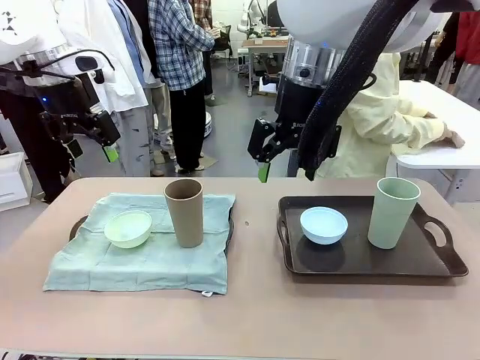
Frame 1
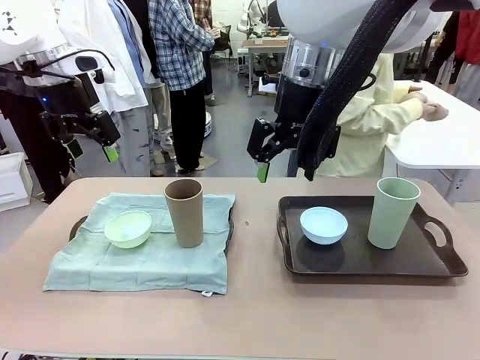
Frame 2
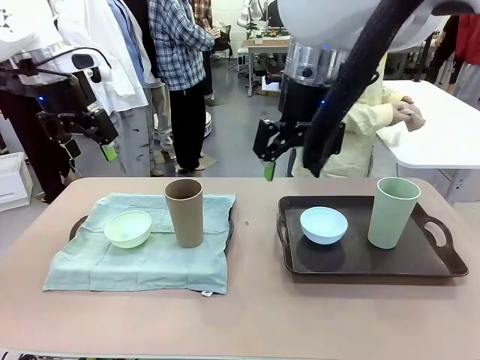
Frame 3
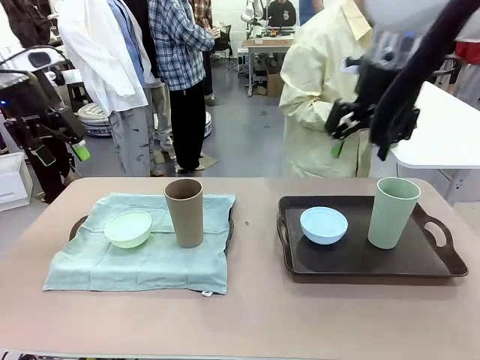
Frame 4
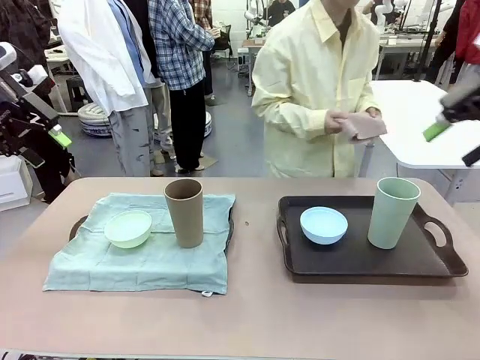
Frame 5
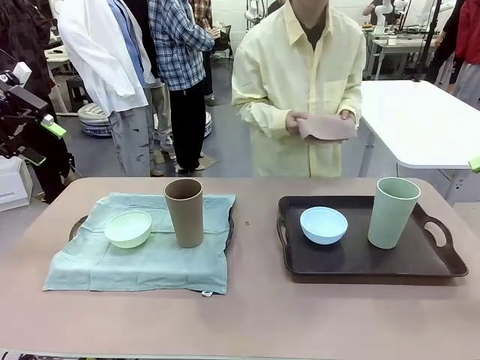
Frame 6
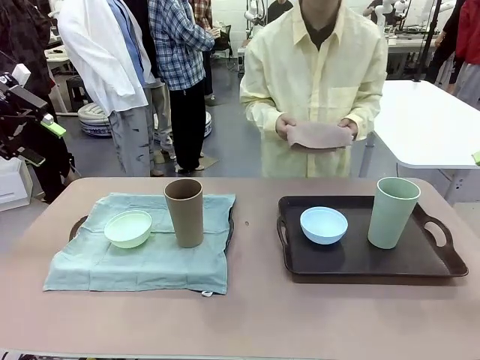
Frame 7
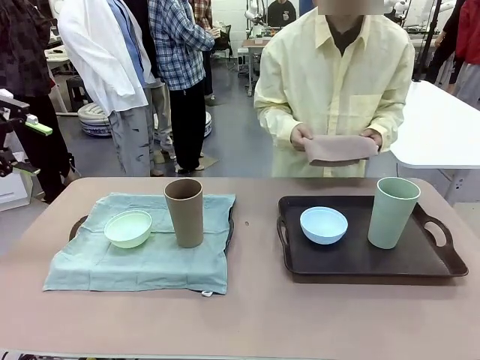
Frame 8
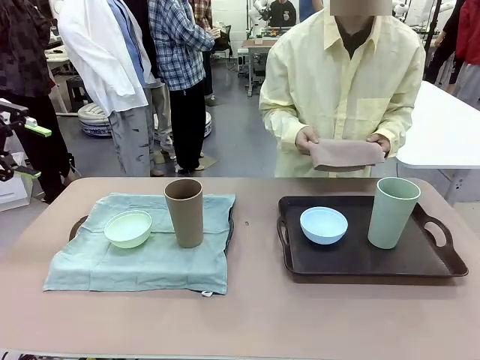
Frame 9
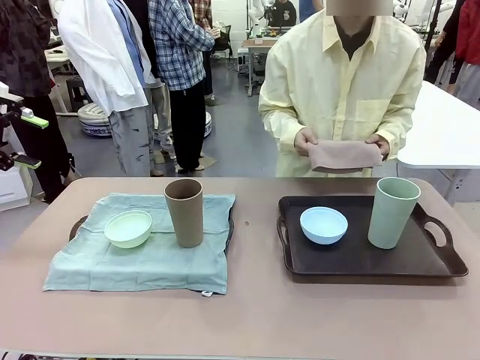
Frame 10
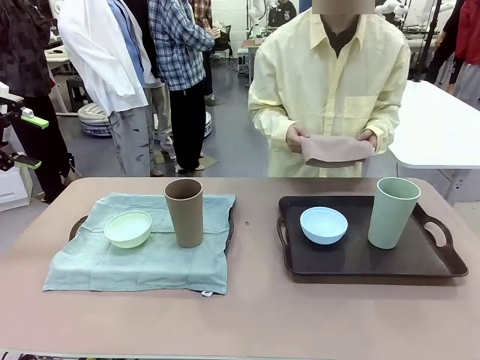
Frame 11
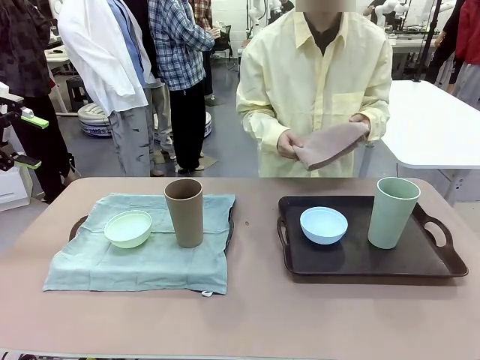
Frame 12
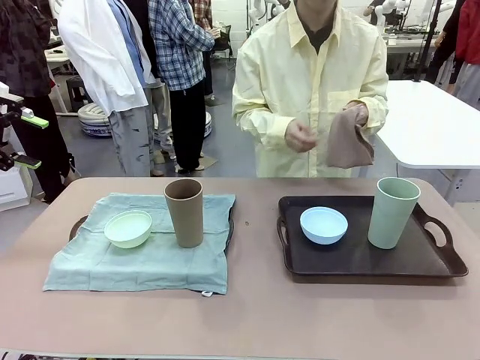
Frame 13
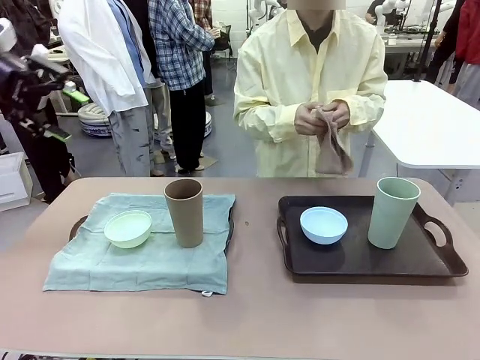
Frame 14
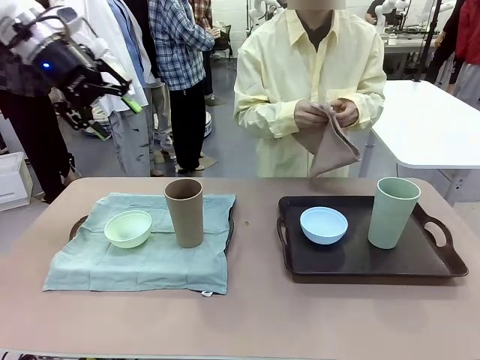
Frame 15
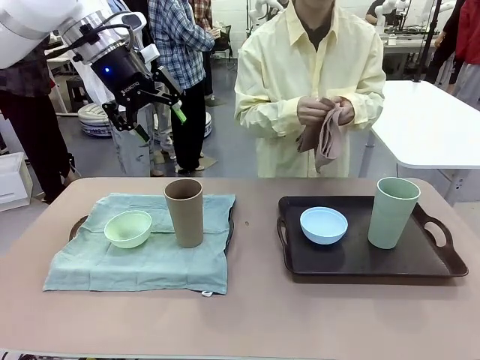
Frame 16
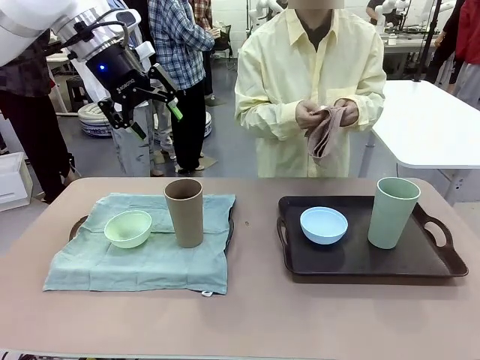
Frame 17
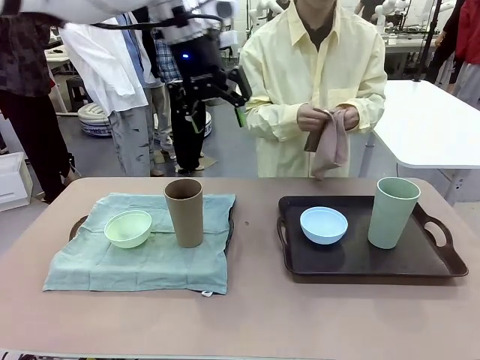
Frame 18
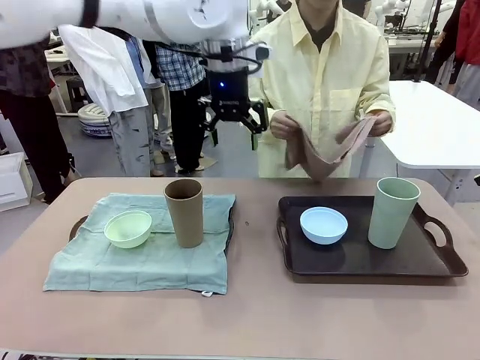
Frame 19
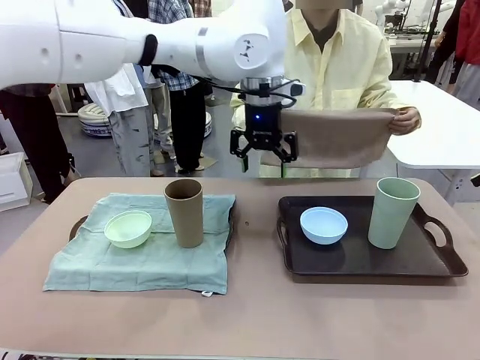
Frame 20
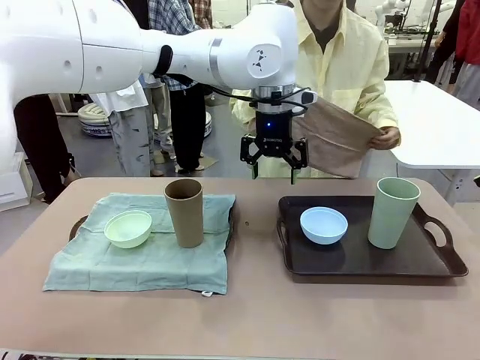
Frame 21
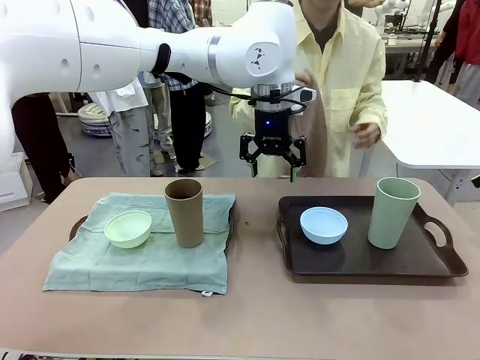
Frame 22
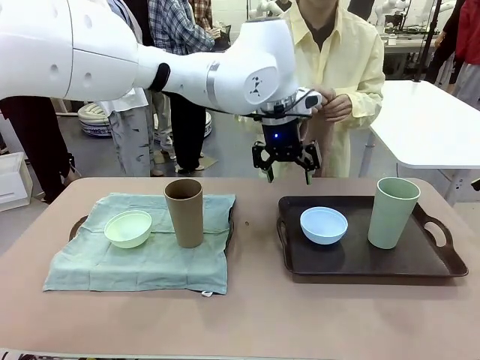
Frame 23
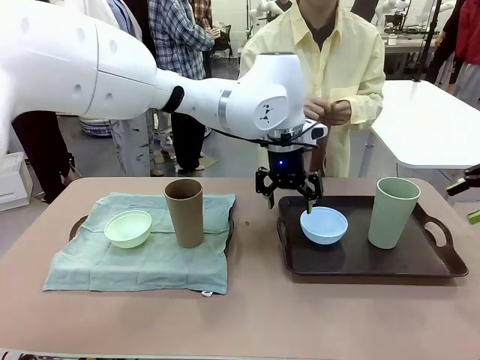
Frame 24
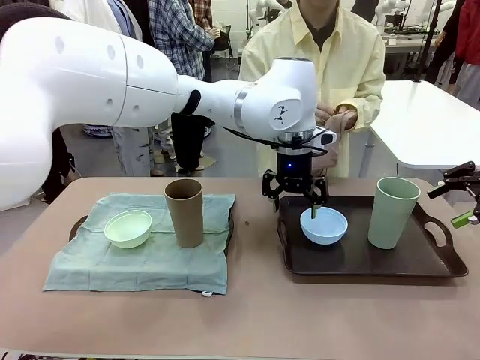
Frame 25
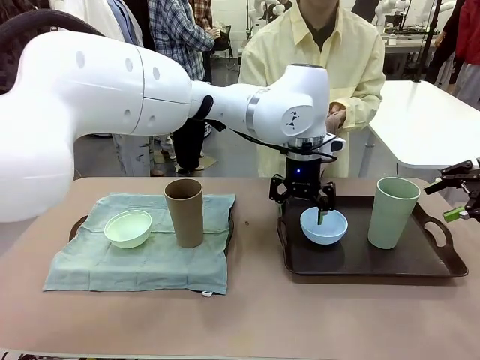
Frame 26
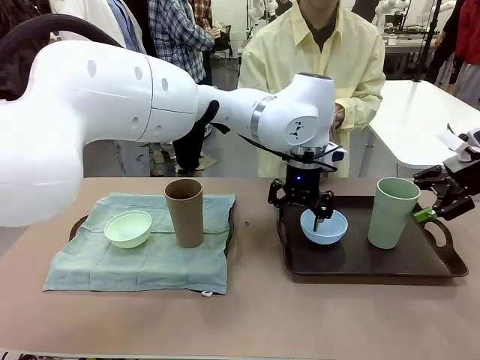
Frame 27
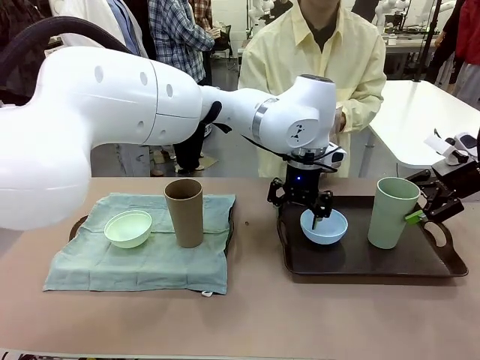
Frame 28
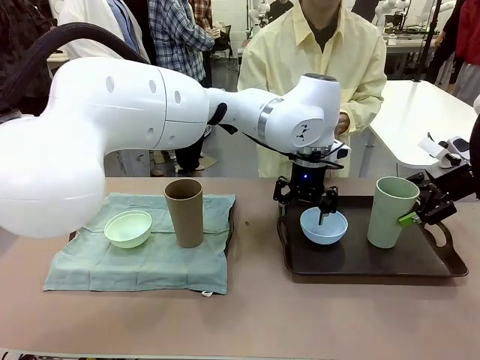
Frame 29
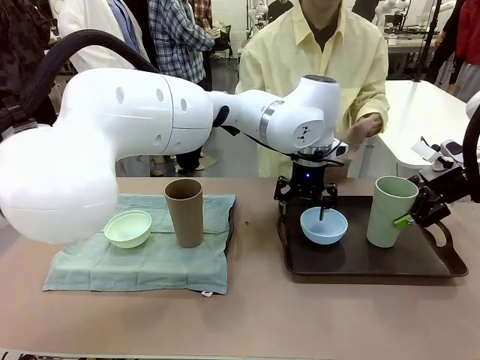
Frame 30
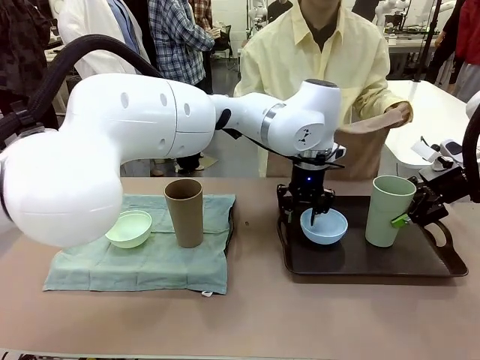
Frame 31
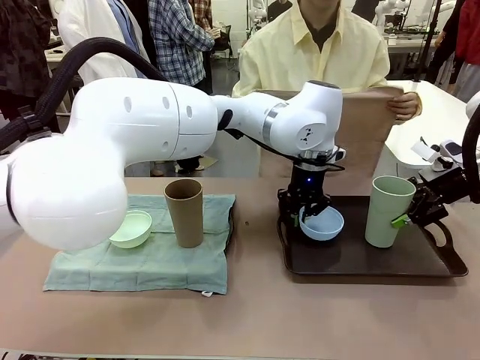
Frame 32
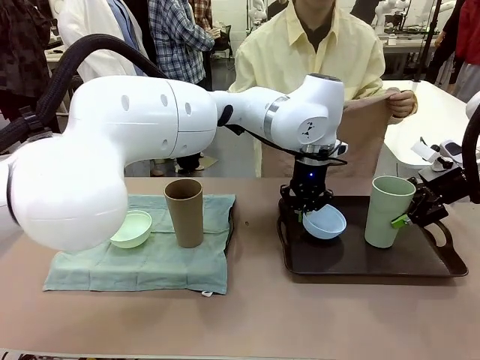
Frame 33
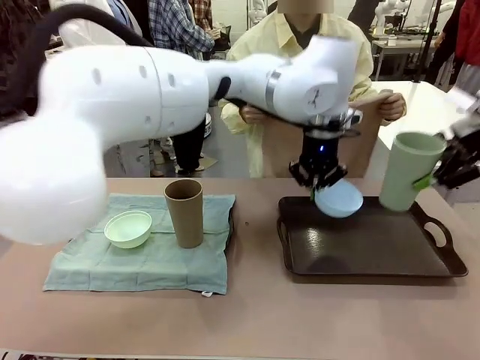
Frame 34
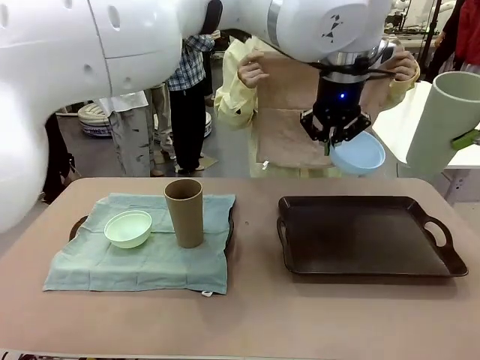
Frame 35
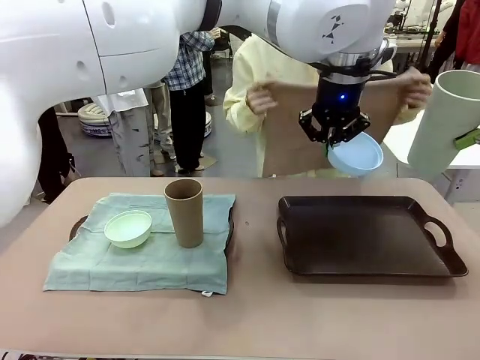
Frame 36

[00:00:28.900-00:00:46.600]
Robot: Pick up the Picnic Bowl and Reusable plastic cup from the Handle tray in front of the human's position and hold them in the air.
